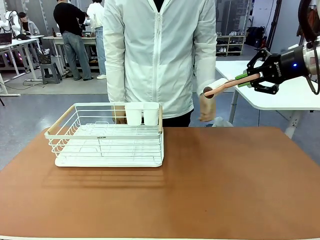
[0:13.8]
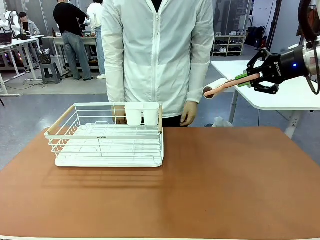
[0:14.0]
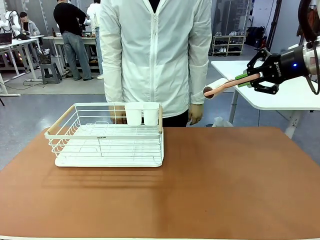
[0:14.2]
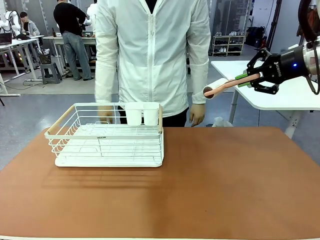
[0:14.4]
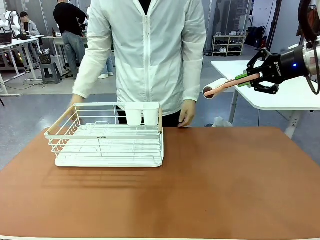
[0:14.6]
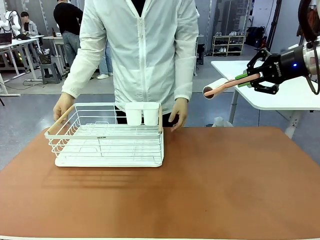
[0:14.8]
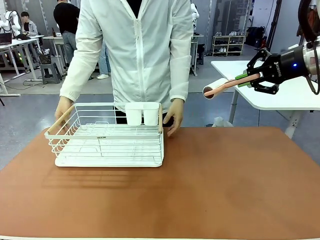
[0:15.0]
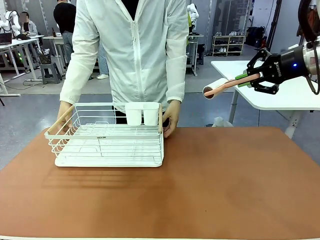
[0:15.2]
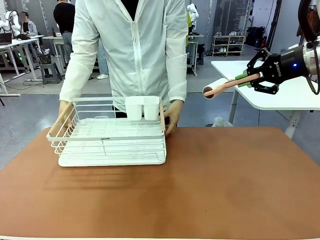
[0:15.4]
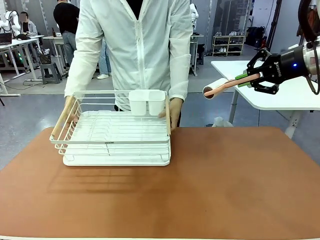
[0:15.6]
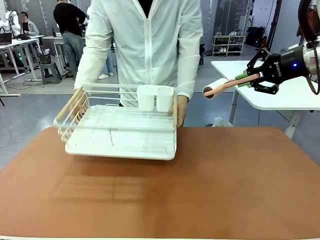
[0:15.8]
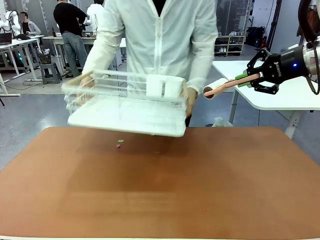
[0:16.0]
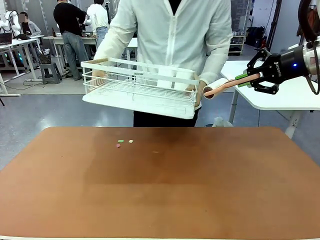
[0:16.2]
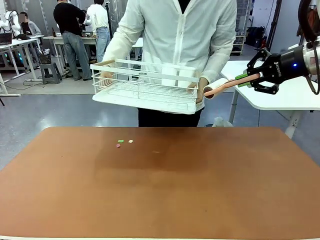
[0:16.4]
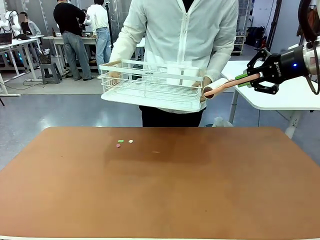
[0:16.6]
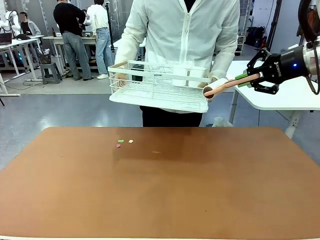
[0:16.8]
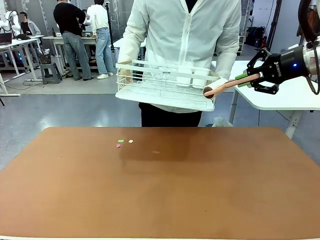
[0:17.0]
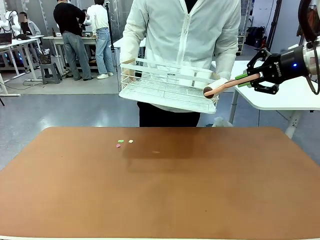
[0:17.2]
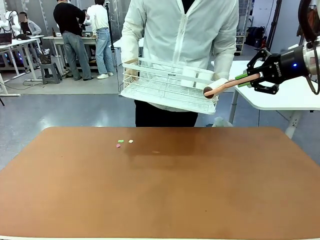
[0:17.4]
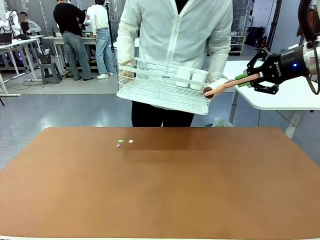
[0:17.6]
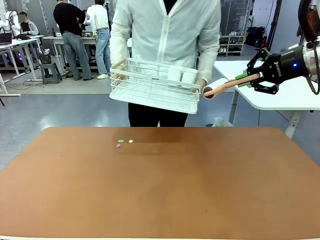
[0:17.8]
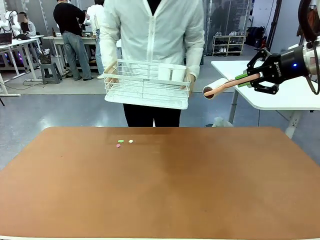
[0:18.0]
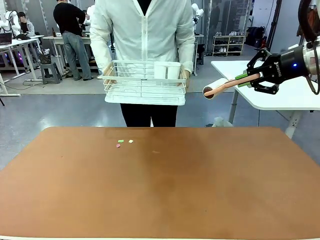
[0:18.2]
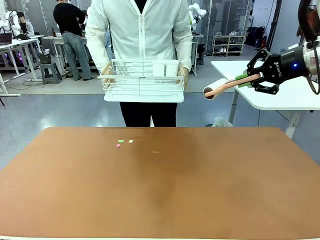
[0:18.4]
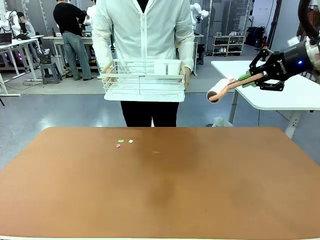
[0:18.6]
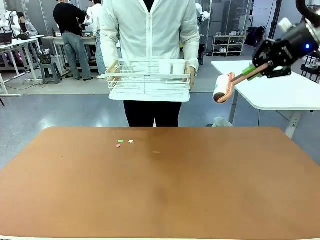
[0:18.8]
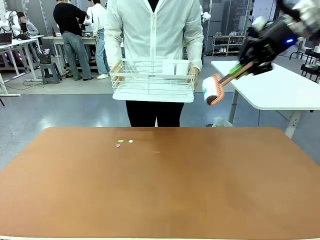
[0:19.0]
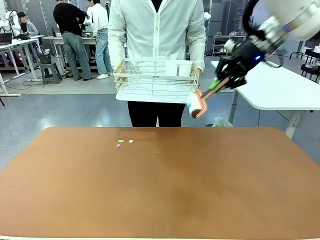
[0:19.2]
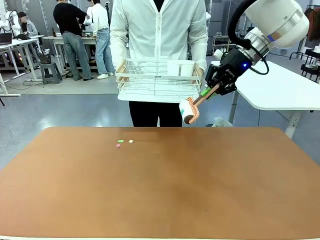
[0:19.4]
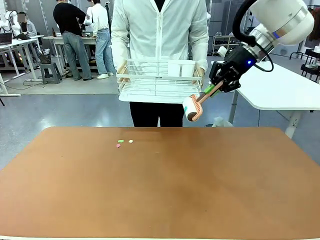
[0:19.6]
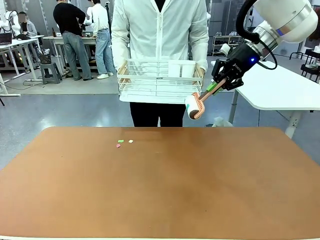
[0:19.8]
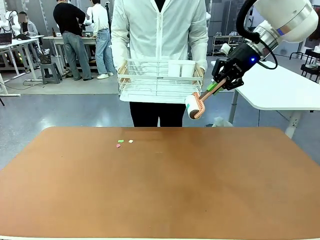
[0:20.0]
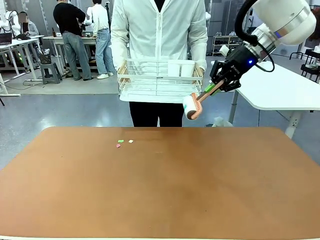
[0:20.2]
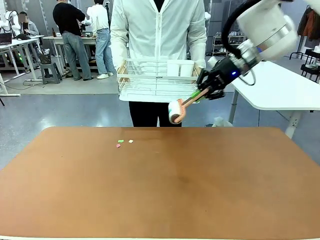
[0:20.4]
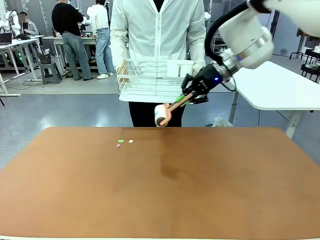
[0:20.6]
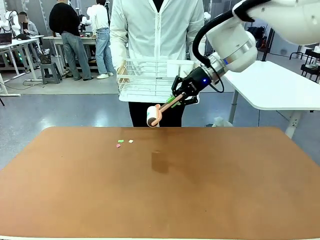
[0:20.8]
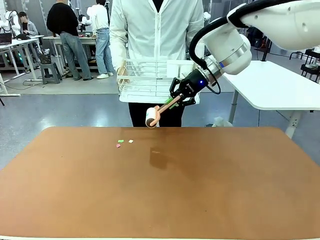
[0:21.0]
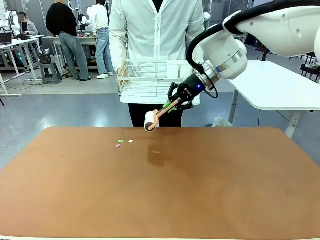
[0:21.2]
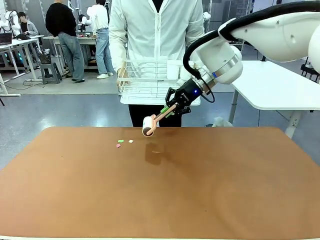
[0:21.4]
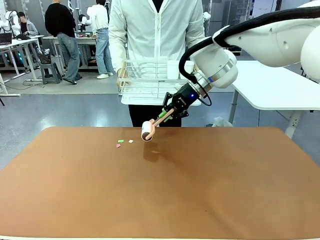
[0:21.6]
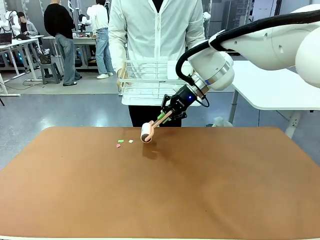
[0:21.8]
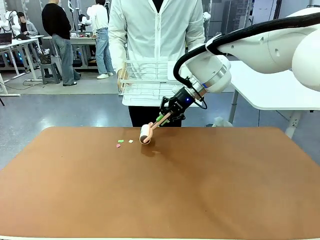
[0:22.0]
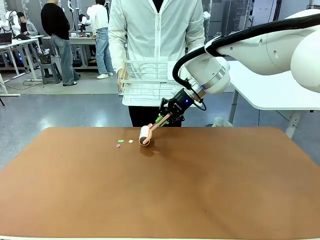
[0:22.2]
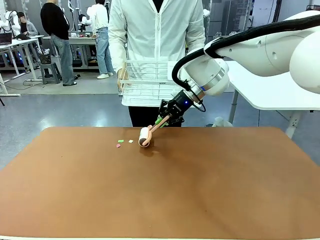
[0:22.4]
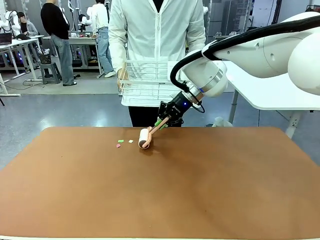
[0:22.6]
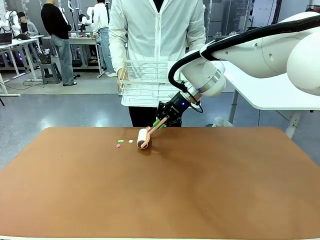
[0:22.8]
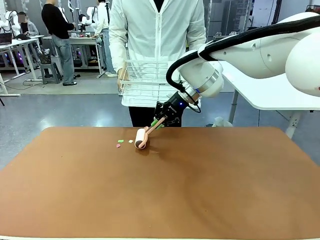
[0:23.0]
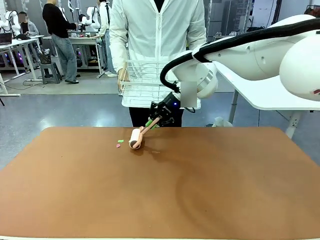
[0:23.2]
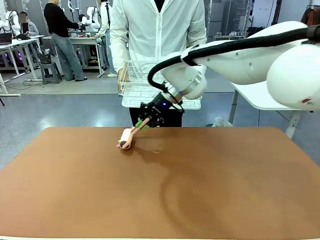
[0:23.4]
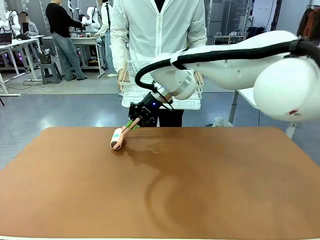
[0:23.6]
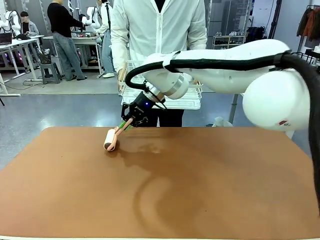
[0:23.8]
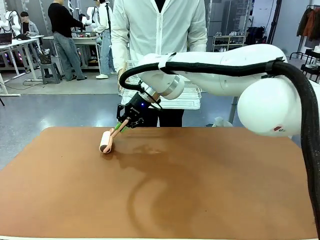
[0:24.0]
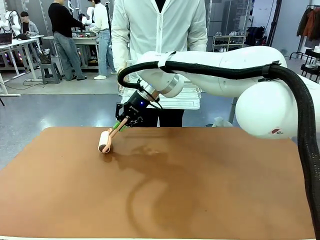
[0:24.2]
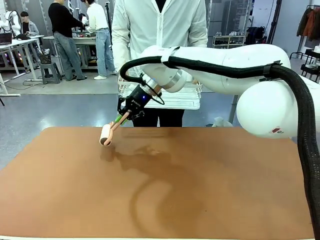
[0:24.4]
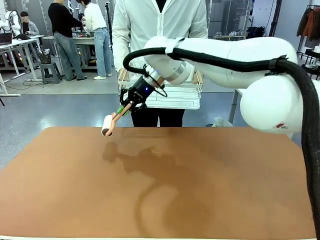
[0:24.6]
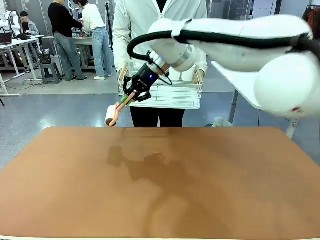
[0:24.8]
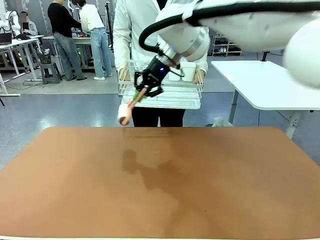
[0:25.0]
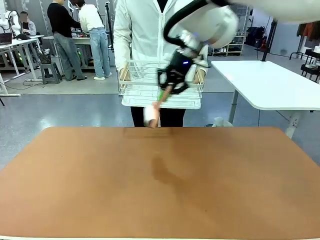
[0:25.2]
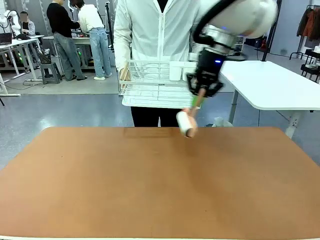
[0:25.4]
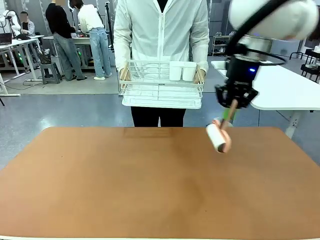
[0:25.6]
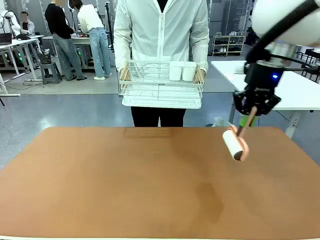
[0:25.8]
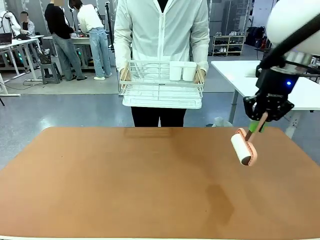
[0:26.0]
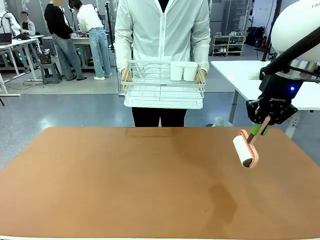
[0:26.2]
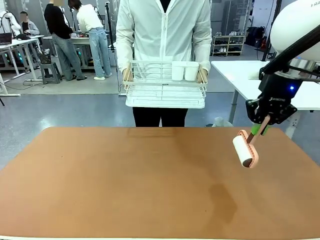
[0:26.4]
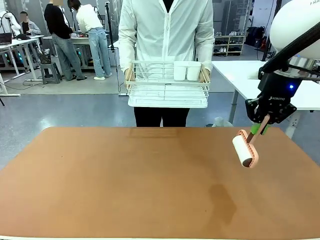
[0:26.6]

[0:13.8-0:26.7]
Task: Clean the table.
Robot: Clean the table with the Lint Roller when the human lifts the Dish drying rack.
Person: Place the Dish drying rack down when the robot finishes cleaning.

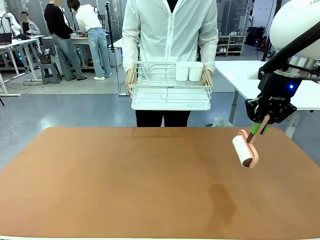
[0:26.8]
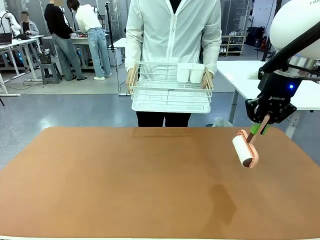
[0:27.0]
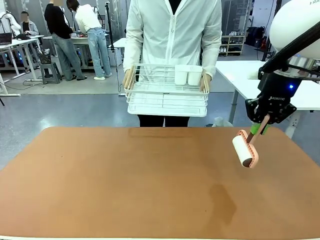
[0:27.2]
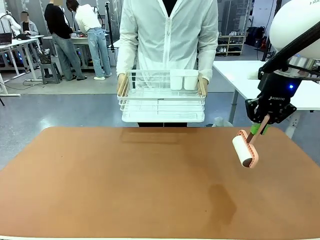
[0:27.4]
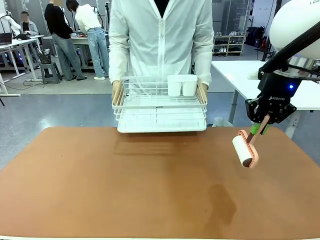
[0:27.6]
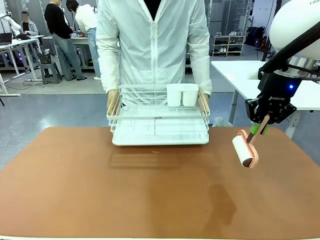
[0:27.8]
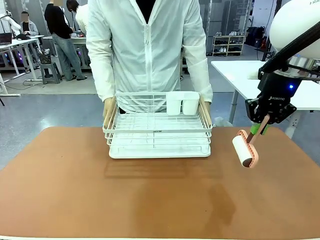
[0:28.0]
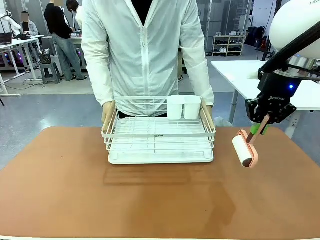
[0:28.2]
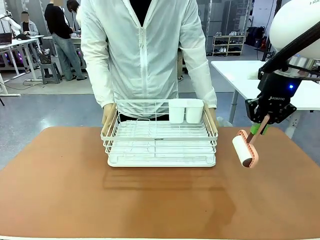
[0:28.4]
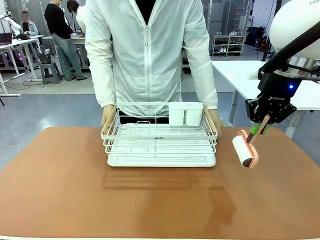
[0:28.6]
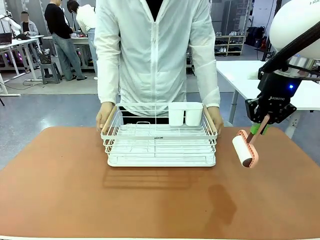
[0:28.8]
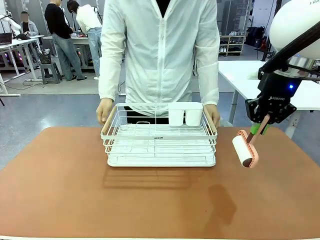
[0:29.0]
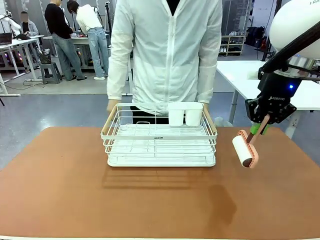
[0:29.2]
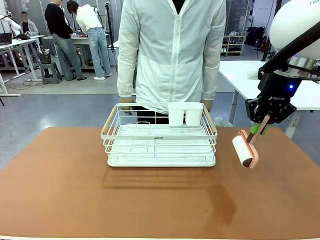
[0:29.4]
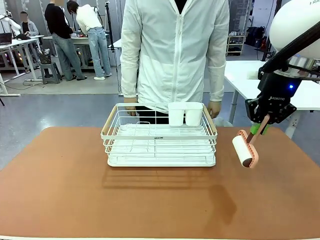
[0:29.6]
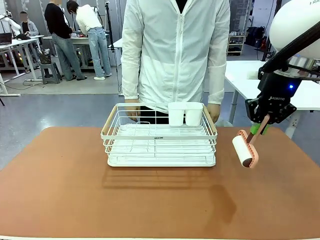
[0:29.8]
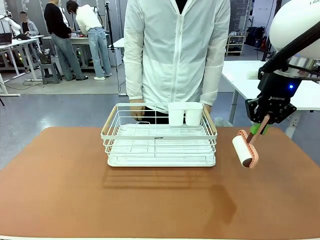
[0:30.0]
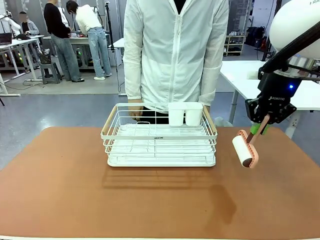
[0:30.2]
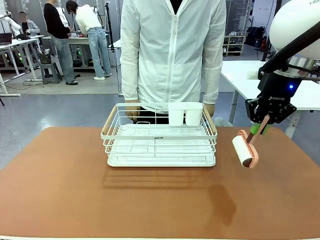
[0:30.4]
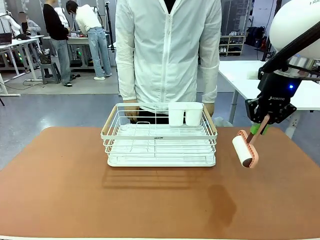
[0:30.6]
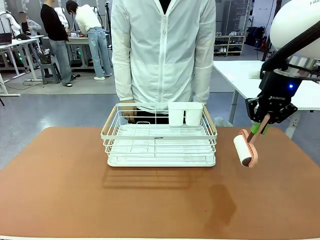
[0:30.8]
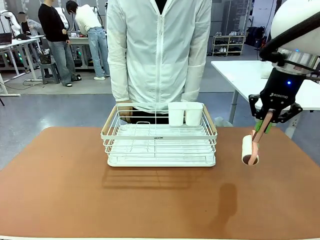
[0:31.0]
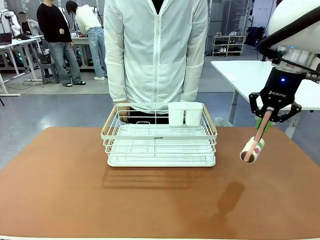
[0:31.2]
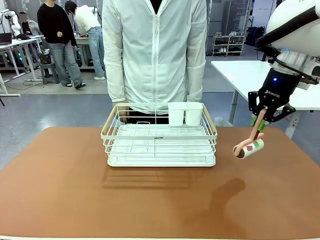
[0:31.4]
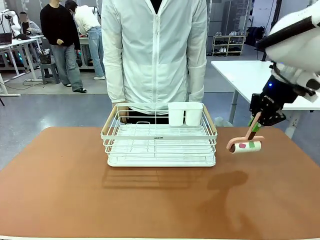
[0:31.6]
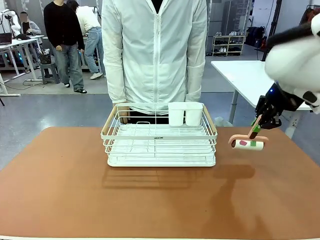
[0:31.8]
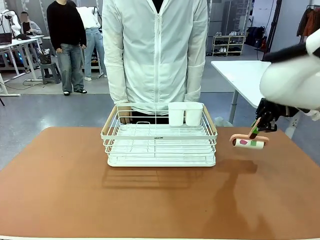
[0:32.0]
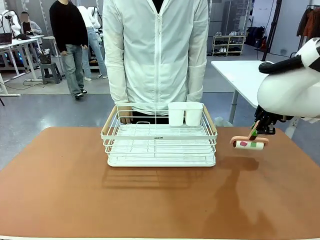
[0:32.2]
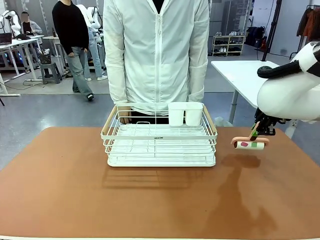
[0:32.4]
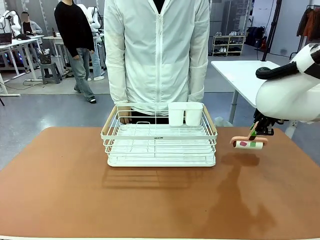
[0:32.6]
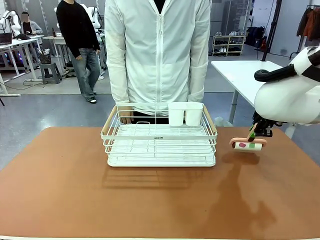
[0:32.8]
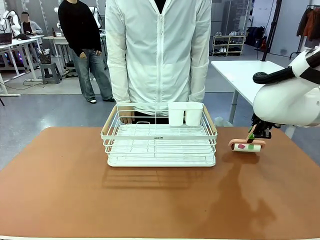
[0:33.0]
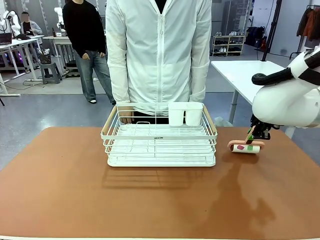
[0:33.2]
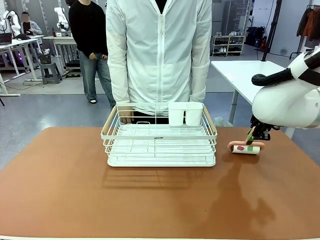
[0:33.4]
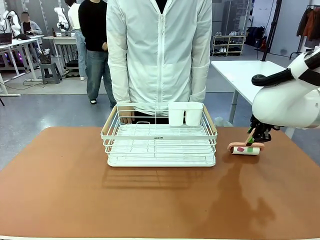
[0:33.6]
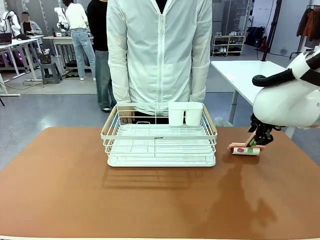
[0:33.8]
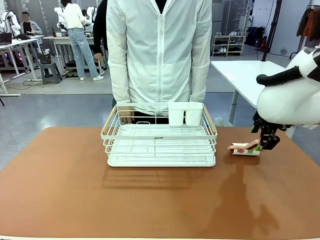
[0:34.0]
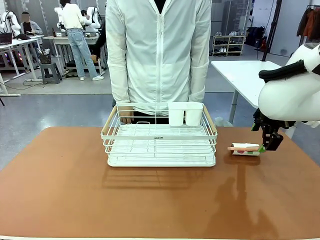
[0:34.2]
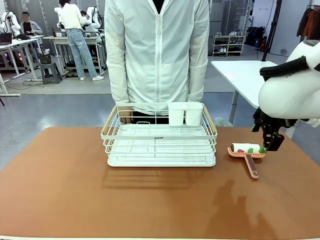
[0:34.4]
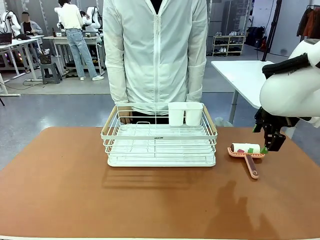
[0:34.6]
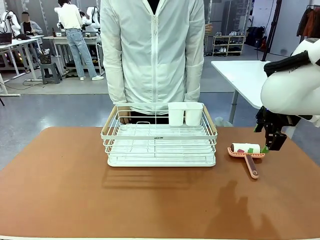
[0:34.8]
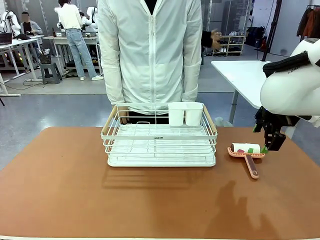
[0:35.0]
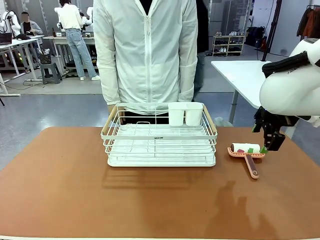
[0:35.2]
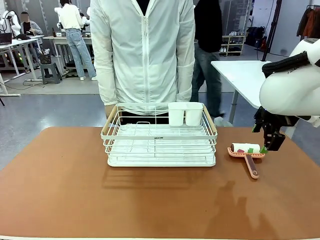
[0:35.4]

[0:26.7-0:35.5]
Robot: Place the Lint Roller down when the Dish drying rack is positioned in the middle of the table.
